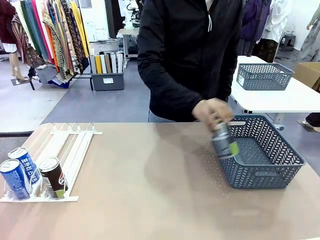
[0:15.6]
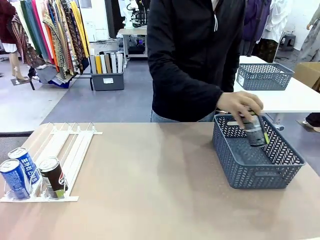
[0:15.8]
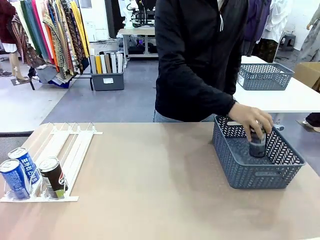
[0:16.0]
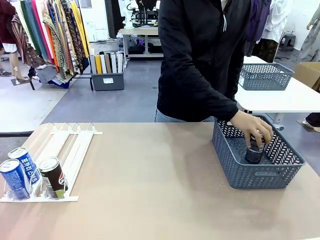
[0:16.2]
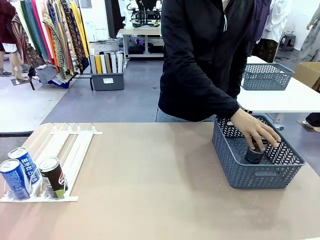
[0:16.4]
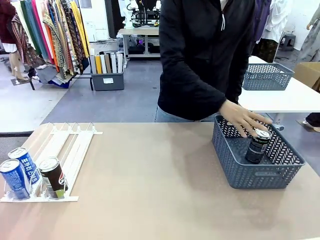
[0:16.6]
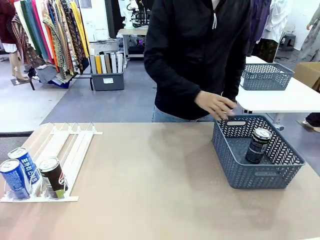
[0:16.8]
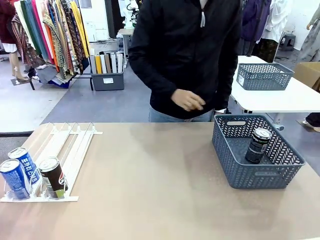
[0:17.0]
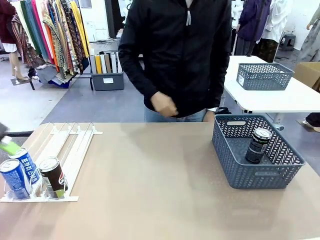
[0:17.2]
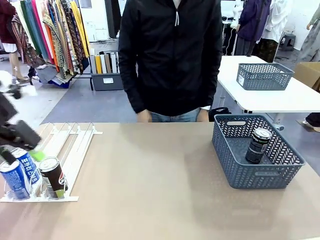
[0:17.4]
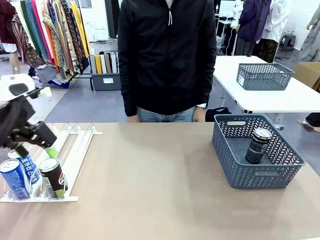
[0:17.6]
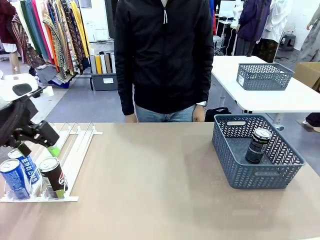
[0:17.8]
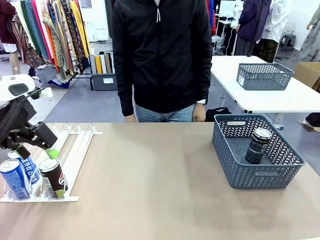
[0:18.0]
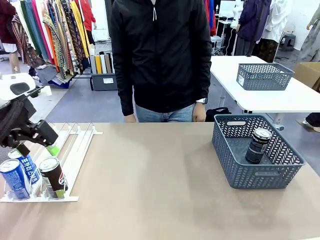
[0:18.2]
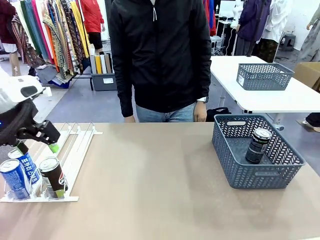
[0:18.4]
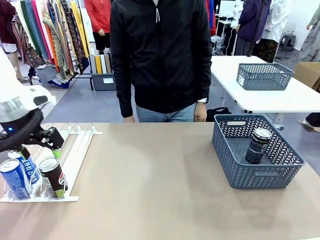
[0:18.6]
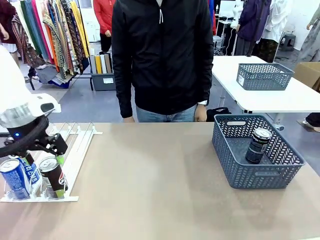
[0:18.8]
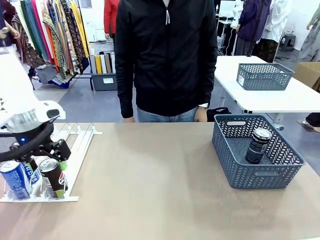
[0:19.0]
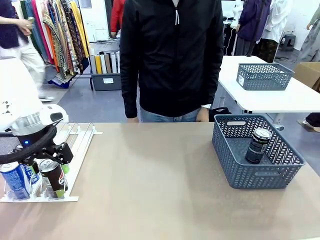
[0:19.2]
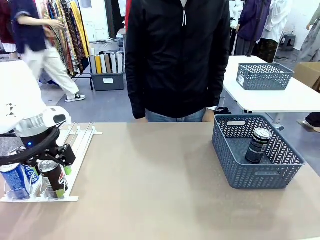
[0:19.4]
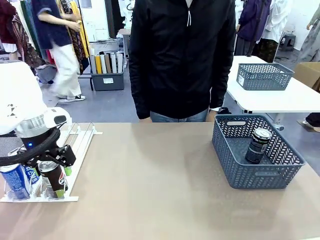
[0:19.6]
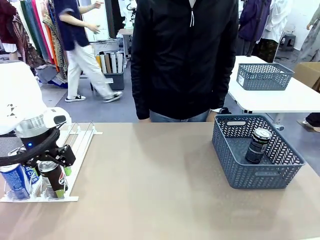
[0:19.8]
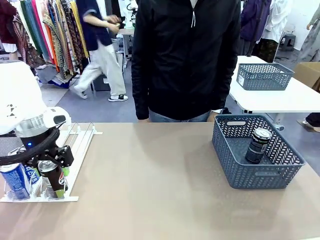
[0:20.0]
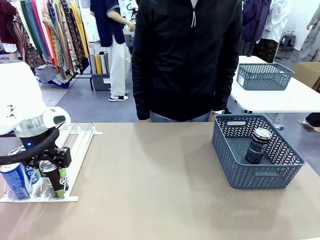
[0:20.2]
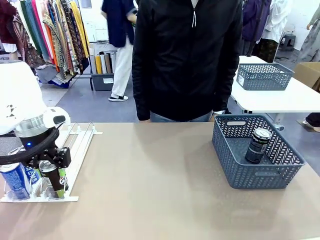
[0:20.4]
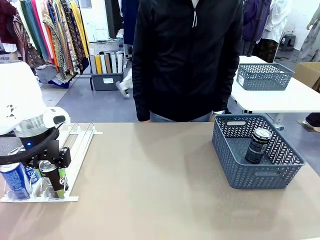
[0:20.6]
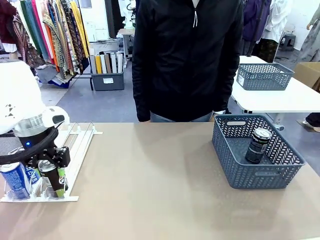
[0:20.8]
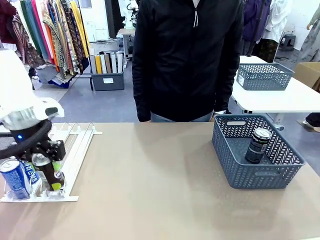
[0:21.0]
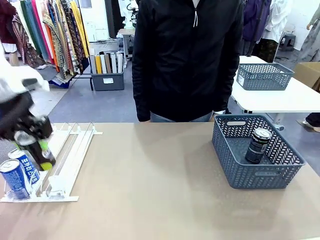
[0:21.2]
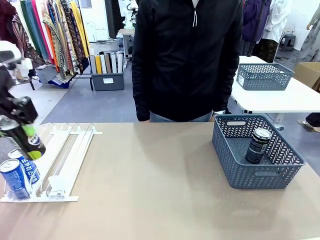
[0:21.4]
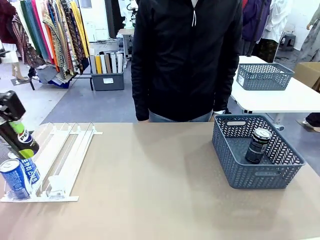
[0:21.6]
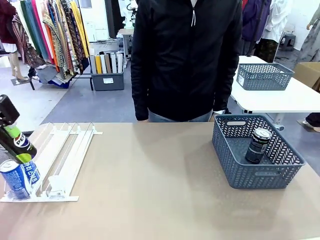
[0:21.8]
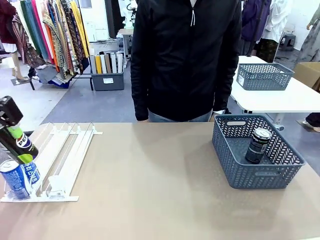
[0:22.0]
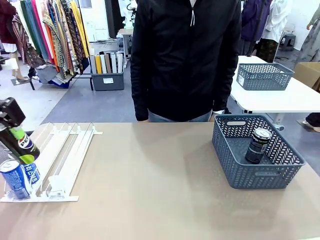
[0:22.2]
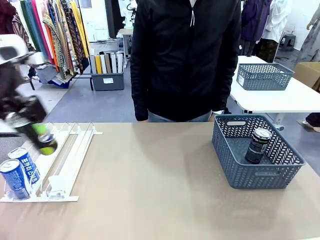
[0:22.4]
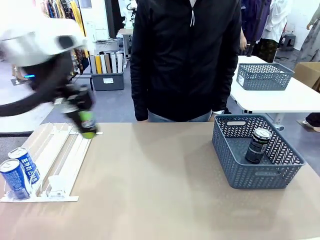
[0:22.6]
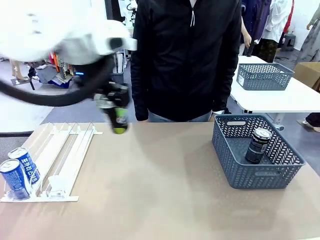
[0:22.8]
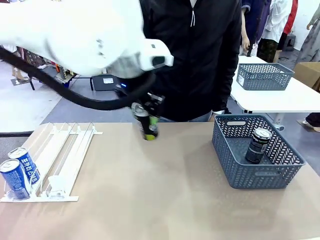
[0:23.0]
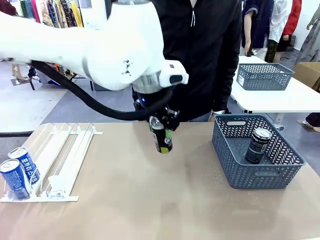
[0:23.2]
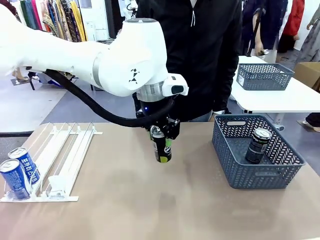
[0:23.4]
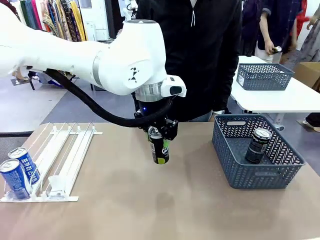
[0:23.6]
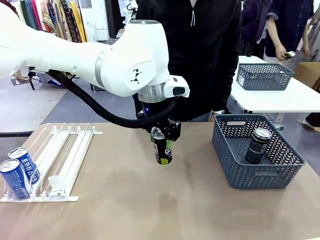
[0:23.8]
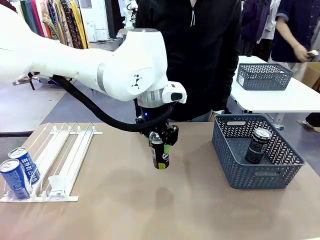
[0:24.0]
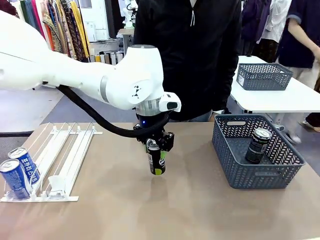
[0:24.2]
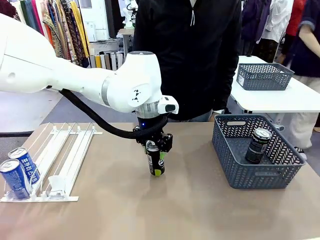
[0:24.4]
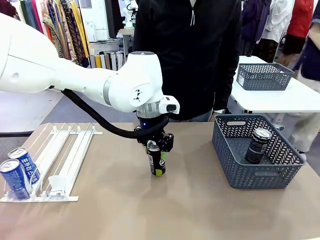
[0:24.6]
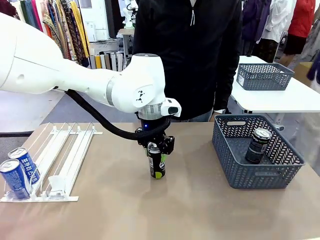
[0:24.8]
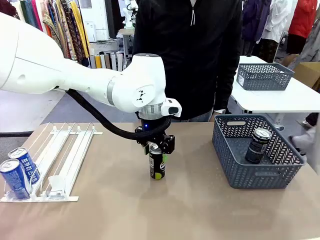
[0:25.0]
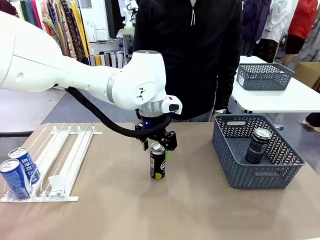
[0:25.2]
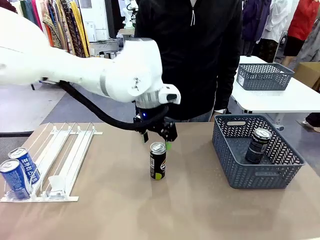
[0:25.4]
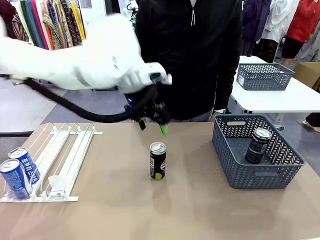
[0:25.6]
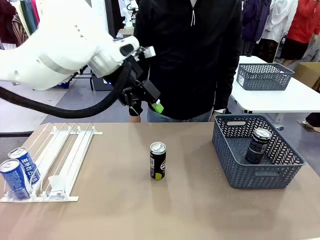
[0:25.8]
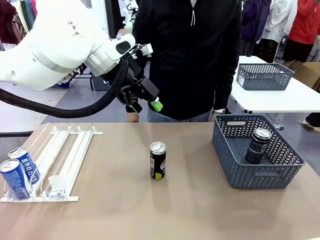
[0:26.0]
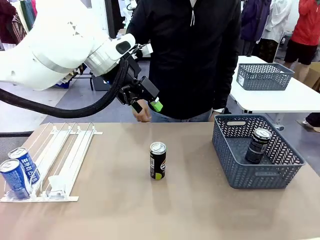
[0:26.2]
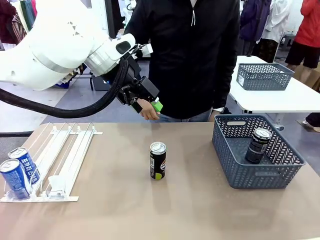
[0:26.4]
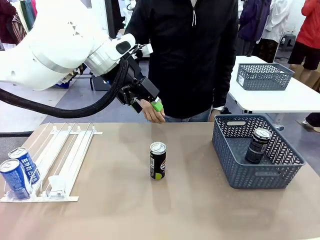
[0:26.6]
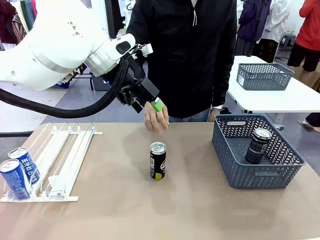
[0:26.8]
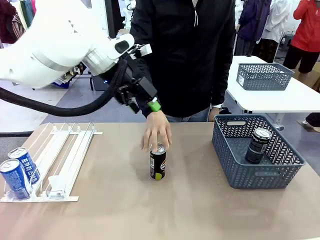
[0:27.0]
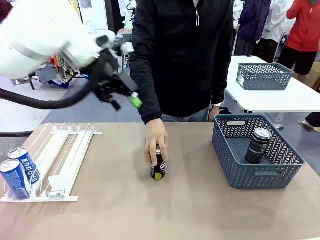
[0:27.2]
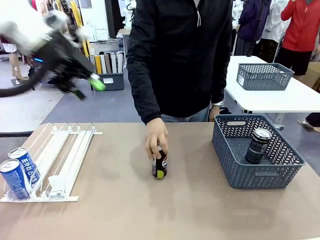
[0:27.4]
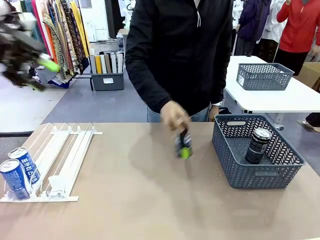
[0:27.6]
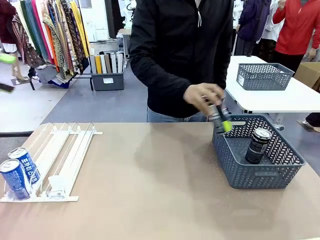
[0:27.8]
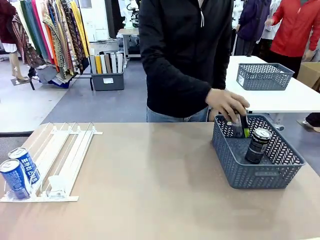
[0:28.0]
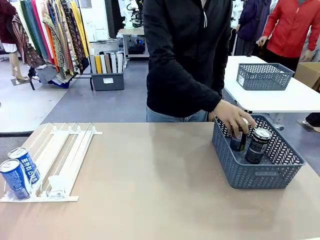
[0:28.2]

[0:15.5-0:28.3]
Task: Retrieve and store the cans from the dispenser.
Robot: Pick up the last remaining can from one row of the Automatic Can Dispenser and place it in the middle of the table.
Person: Pick up one Pepsi can from the middle of the robot table and place it in the basket.

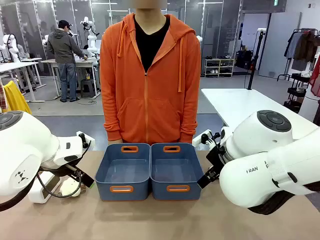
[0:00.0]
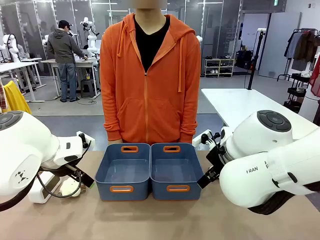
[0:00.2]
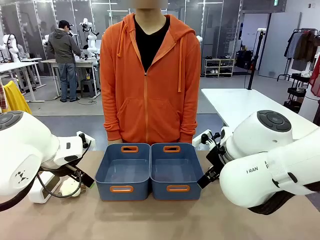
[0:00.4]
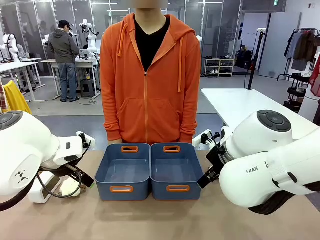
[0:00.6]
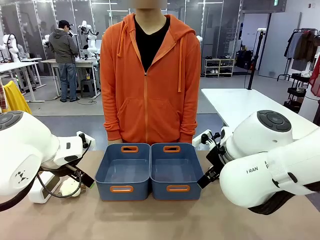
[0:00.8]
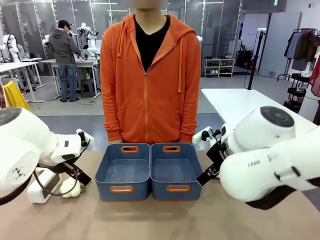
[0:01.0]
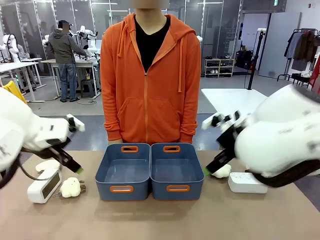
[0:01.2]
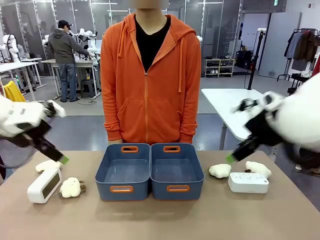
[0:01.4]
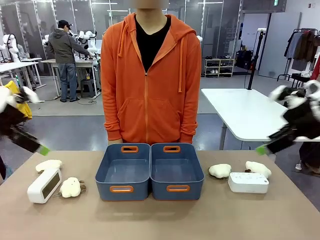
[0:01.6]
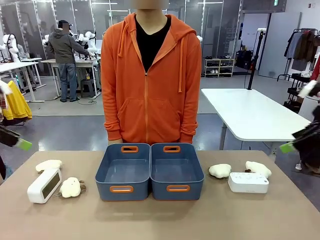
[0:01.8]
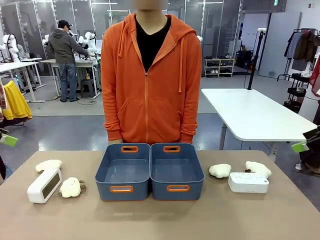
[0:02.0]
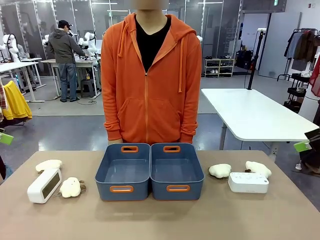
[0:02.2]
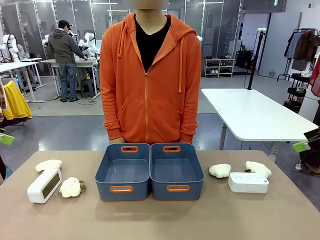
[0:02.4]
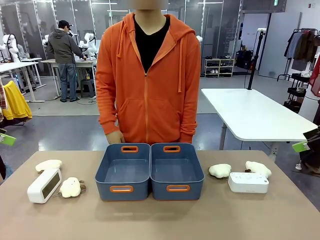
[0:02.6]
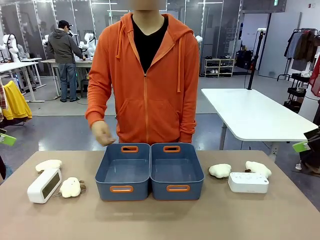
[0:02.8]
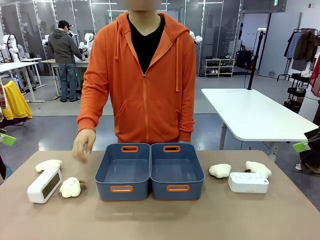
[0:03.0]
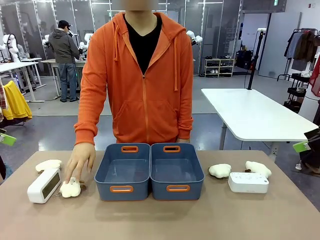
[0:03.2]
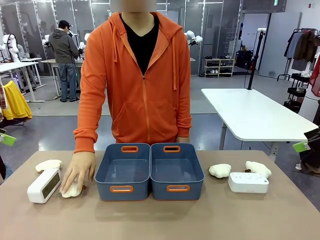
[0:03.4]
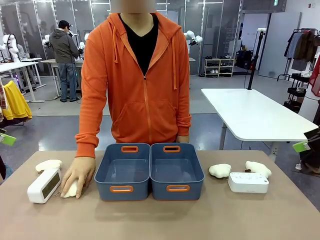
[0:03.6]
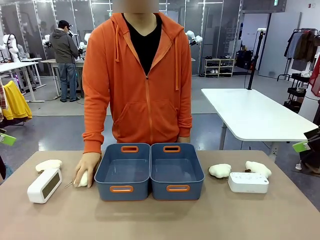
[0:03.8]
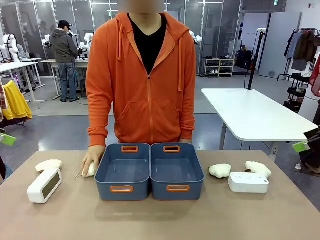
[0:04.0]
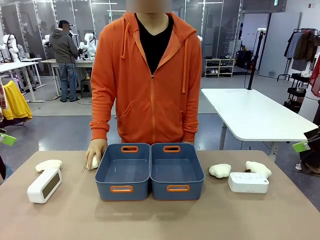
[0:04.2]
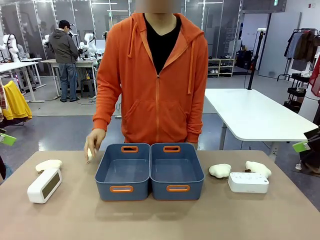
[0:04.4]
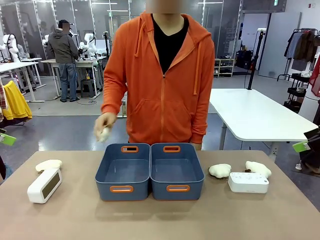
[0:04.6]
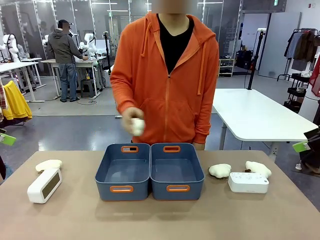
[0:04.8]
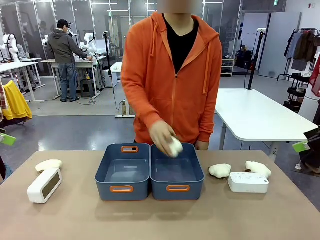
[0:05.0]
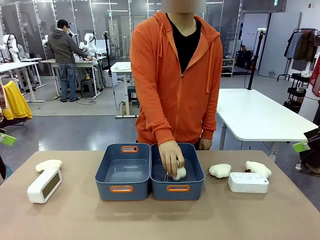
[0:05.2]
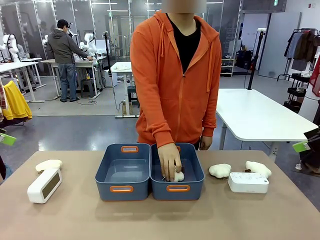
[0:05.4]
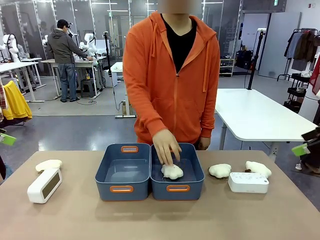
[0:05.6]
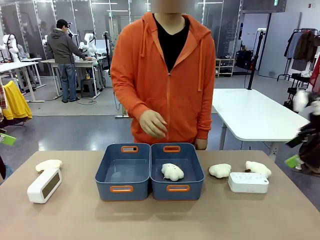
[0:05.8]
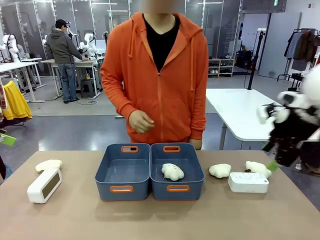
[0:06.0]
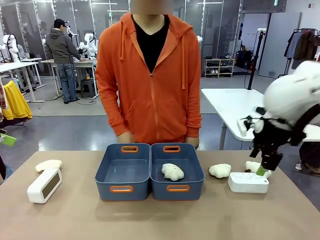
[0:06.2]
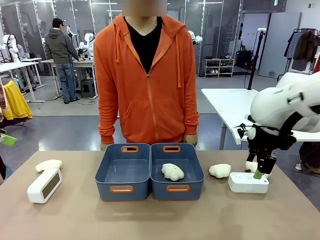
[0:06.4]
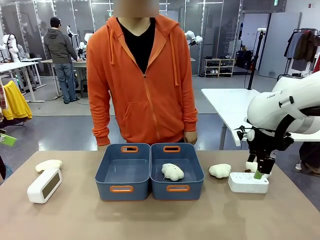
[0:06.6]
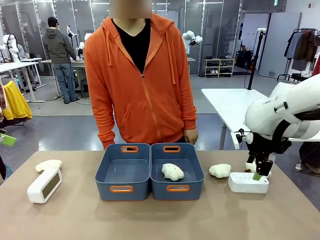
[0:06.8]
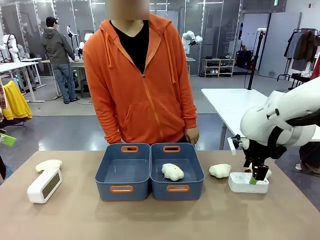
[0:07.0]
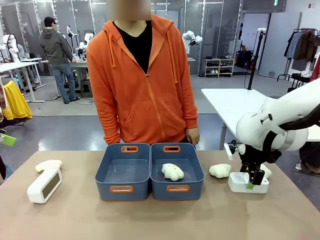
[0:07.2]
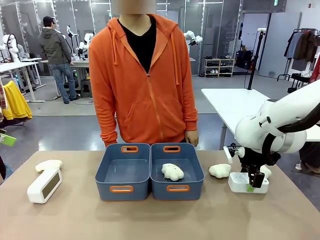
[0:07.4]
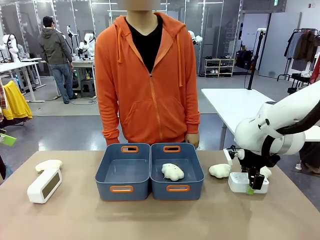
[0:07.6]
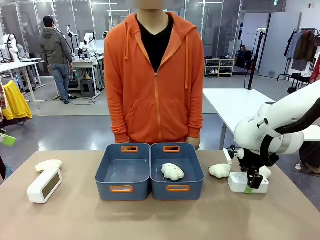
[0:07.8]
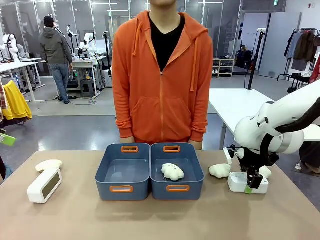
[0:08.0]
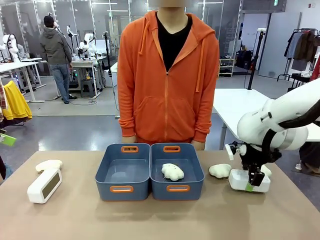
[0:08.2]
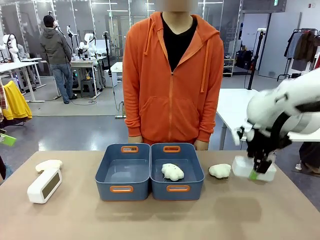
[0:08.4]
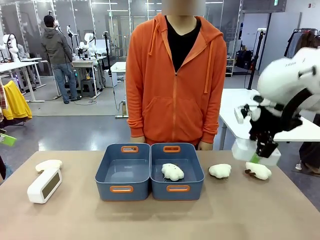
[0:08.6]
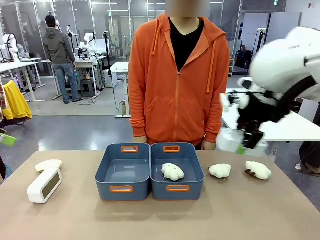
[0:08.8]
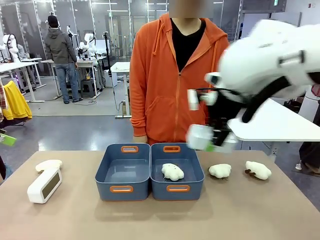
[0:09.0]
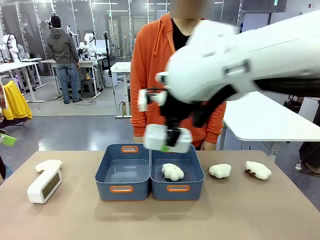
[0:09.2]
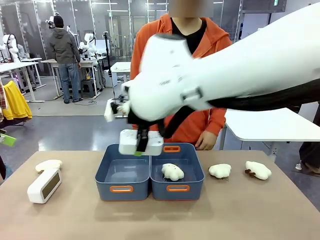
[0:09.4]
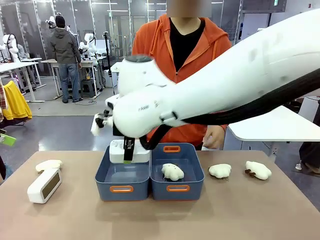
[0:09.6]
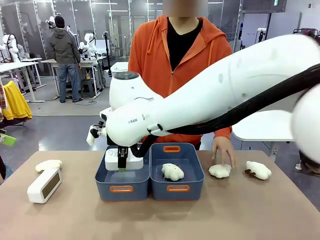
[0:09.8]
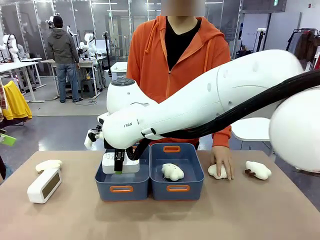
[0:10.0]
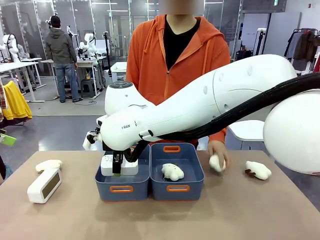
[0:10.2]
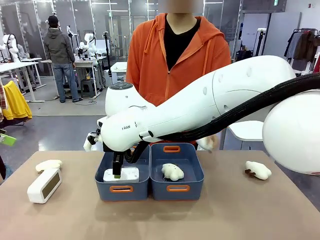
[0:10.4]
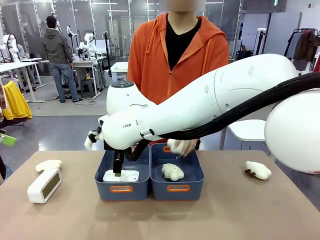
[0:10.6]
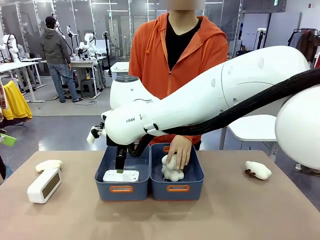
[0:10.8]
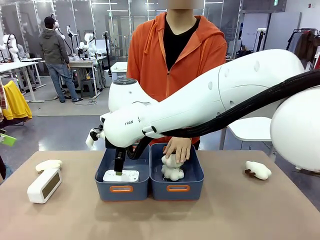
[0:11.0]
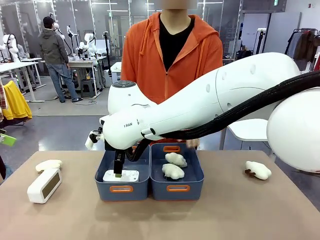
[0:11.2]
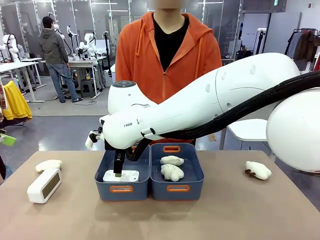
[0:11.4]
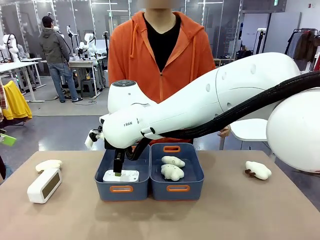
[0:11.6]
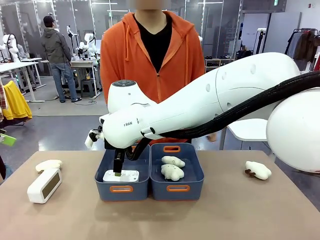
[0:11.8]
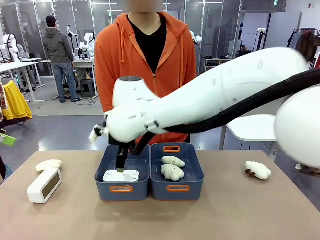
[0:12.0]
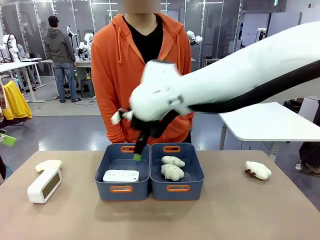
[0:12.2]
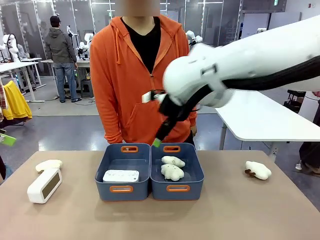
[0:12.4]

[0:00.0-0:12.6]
Task: Sort the digital clocks into the basket.
Robot: Pick up the Digital clock from the table and place it into the empty Plastic storage basket.
Person: Pick up a plush toy from the table and place it in a plastic storage basket.
